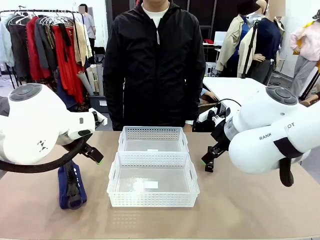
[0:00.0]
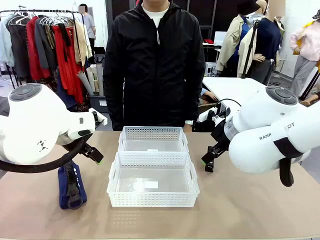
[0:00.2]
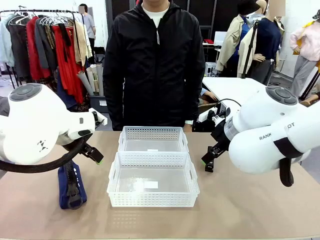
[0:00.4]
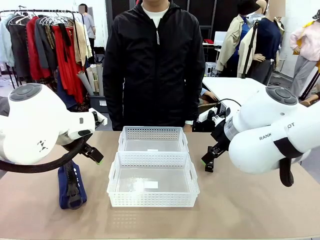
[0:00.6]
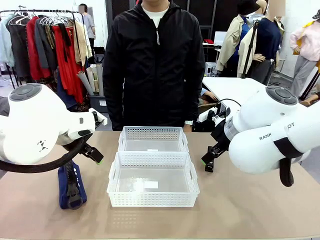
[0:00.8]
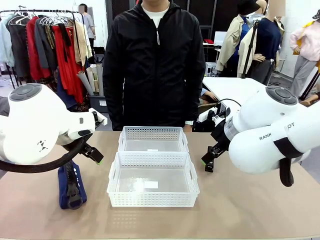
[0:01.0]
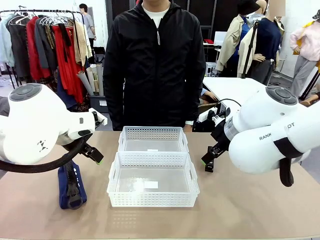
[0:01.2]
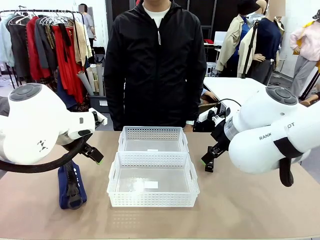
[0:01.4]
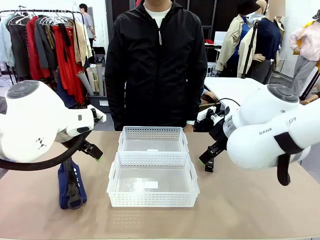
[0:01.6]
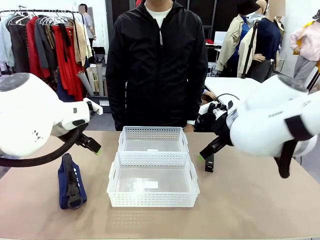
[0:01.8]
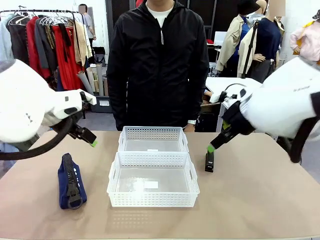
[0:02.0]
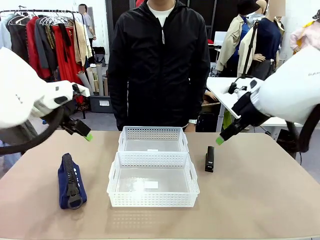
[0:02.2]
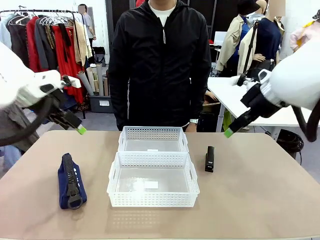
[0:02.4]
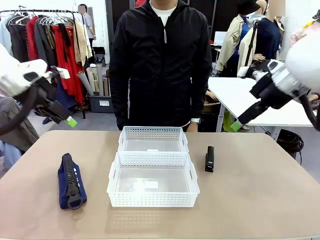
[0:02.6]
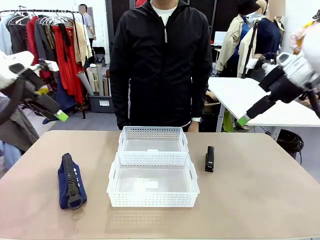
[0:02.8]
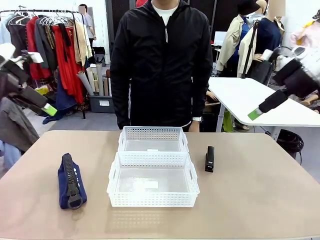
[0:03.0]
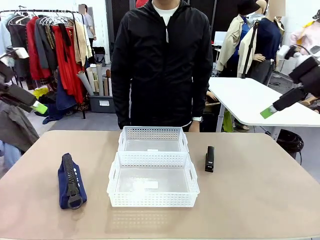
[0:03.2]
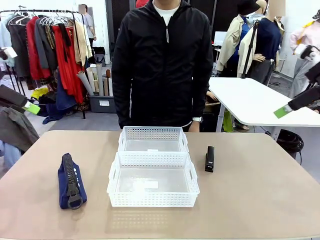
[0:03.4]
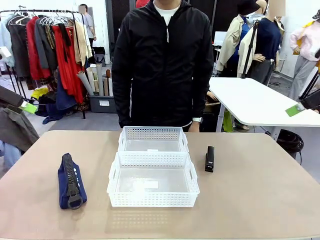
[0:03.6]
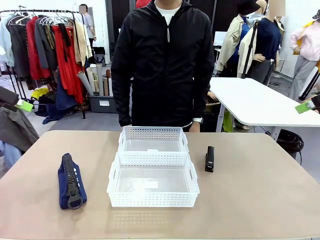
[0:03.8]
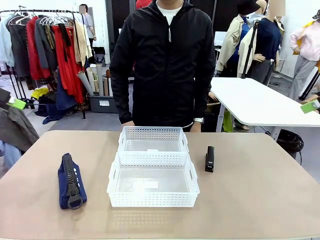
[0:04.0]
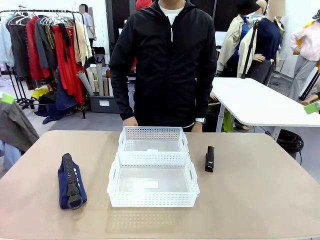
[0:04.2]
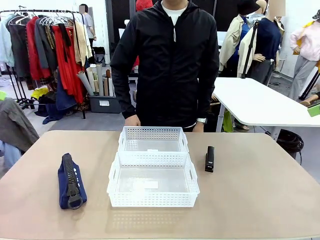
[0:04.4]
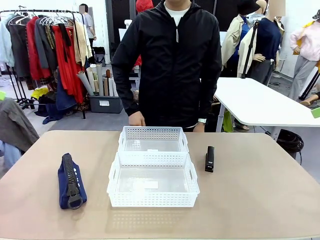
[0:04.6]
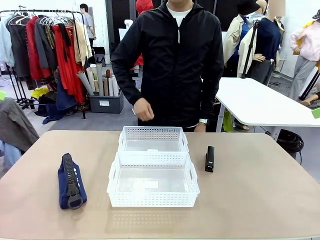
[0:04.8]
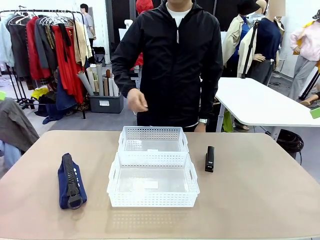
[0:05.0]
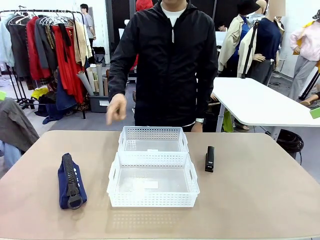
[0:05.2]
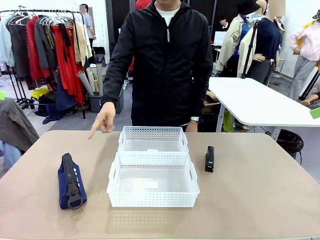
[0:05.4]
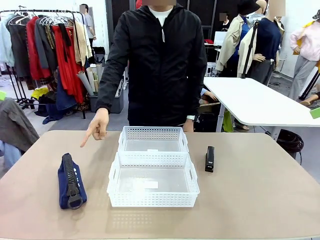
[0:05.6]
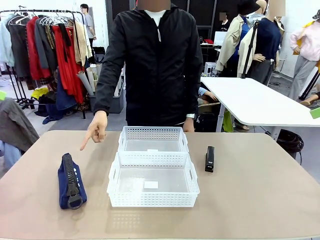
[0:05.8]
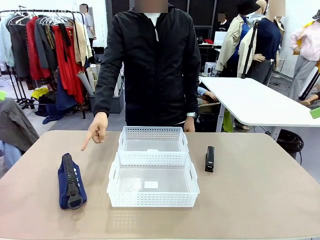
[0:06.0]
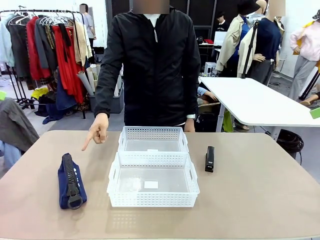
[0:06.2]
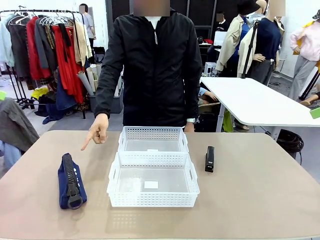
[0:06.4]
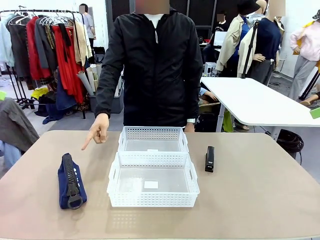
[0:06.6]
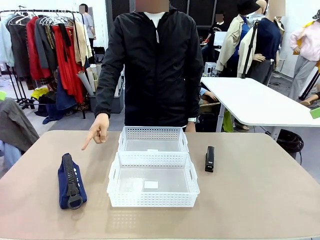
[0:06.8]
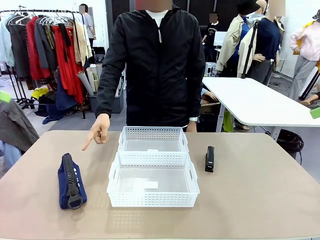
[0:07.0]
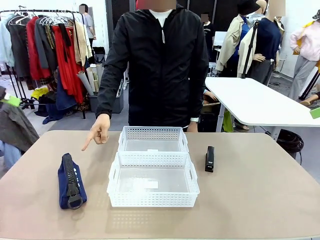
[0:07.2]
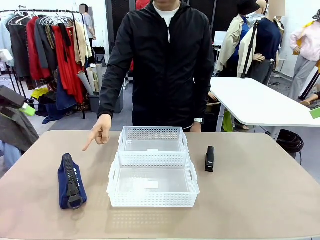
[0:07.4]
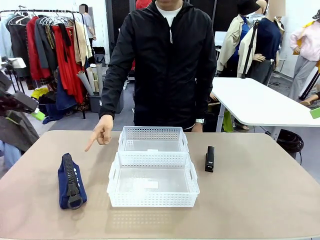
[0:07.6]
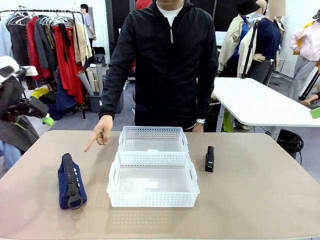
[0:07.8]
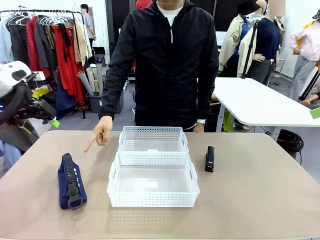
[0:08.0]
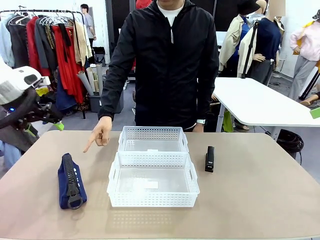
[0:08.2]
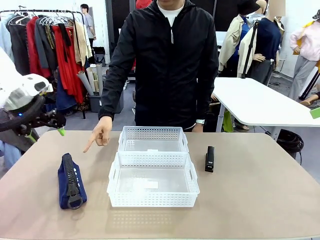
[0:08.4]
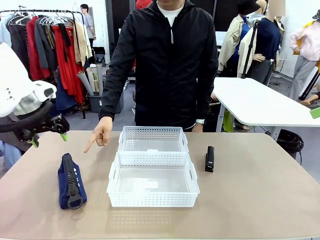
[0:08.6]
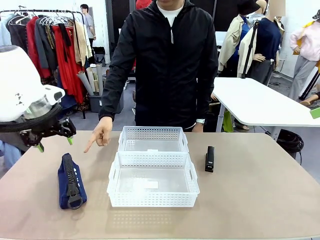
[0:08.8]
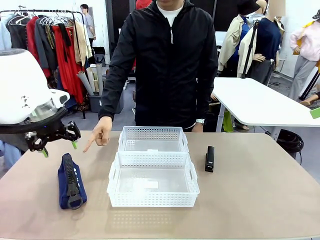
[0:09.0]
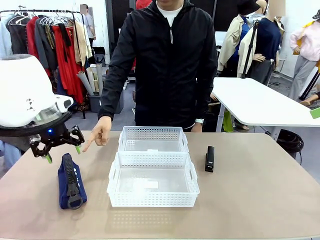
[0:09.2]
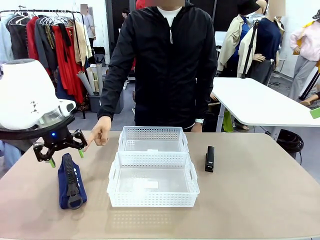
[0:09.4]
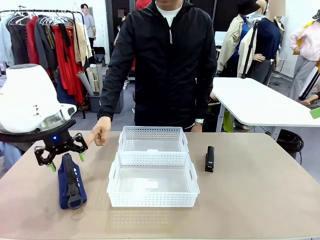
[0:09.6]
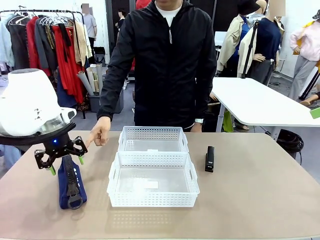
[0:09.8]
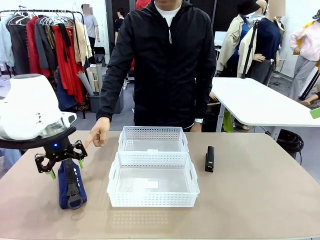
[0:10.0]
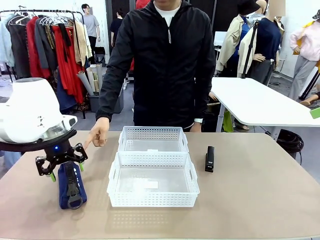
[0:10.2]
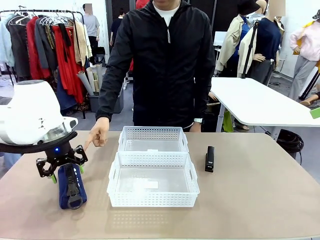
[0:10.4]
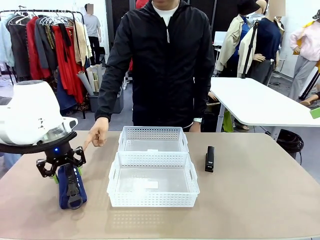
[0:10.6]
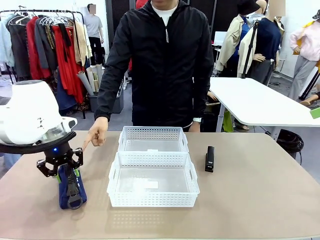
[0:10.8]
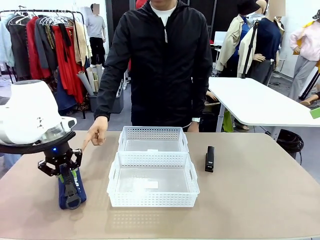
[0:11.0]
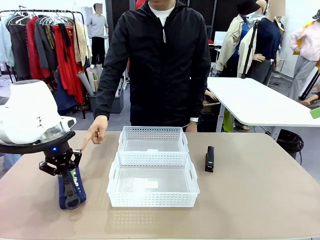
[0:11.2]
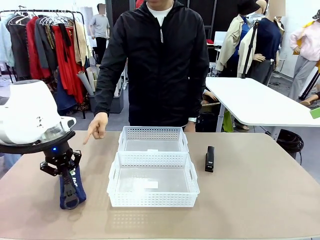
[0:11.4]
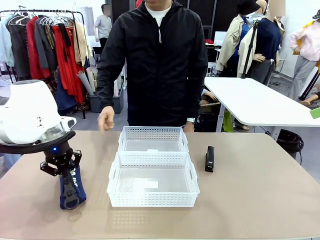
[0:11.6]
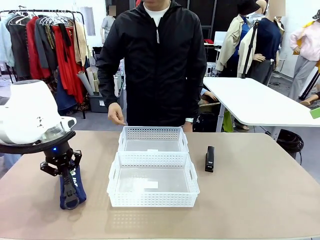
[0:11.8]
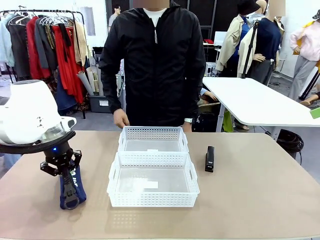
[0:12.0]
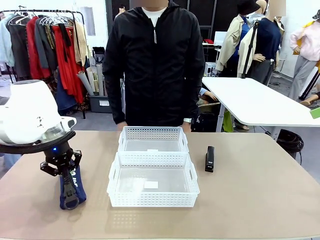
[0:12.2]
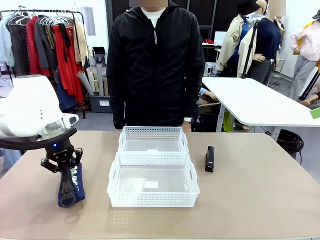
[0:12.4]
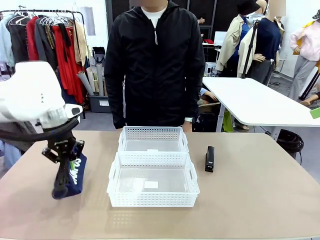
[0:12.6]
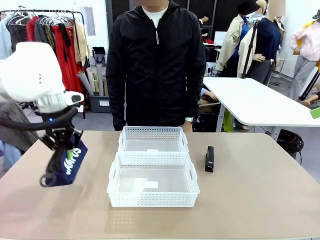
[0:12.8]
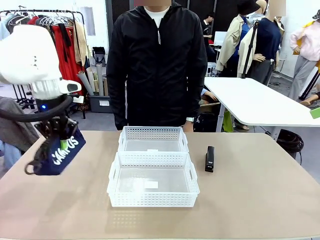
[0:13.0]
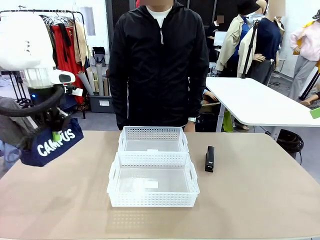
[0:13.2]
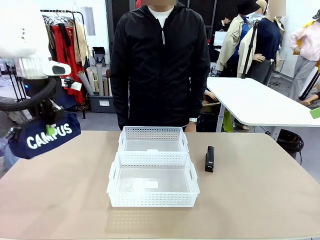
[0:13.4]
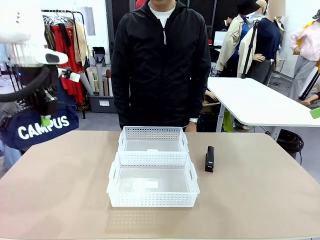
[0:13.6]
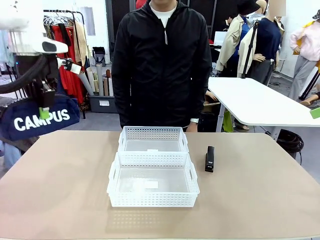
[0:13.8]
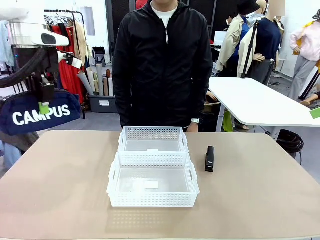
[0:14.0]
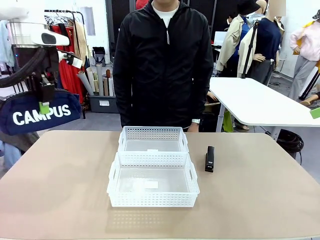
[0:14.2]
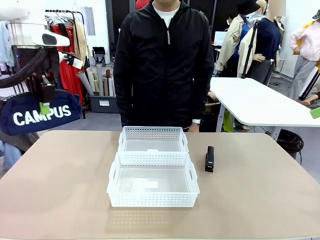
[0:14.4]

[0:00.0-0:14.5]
Task: Distribute items into two baskets.
Robot: Pick up the Pencil pouch that the person points to.
Person: Points to the pencil case. Points between the two organizing baskets and instructs the robot to move the pencil case.

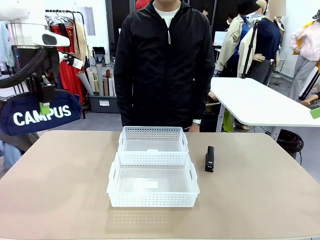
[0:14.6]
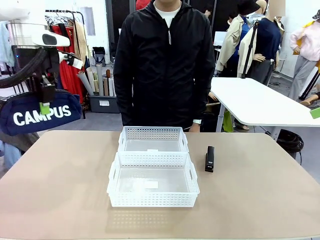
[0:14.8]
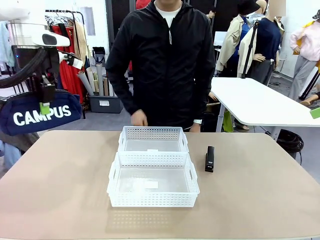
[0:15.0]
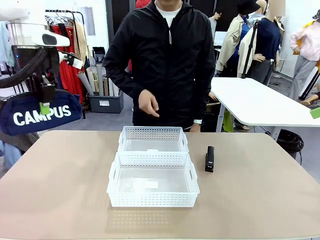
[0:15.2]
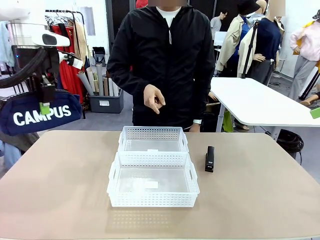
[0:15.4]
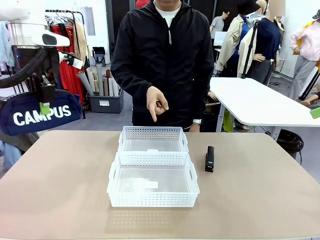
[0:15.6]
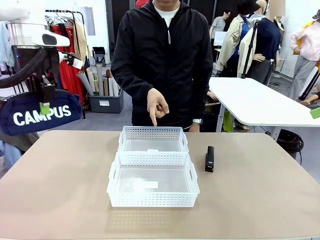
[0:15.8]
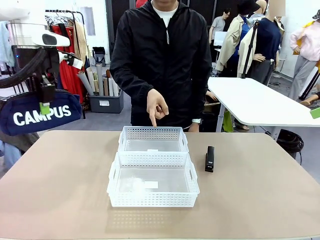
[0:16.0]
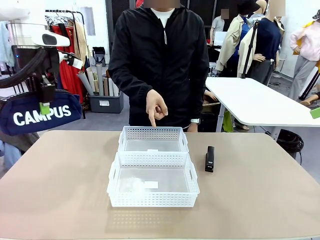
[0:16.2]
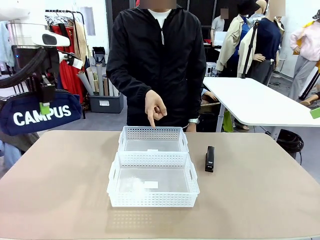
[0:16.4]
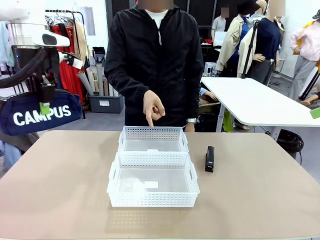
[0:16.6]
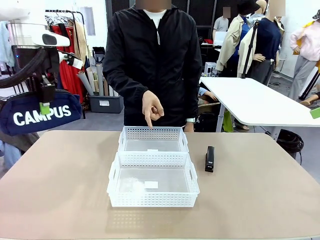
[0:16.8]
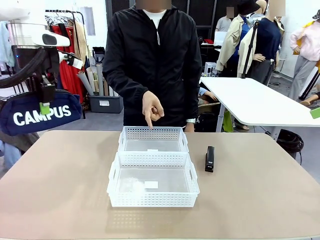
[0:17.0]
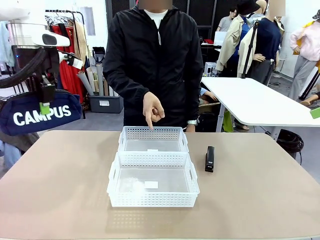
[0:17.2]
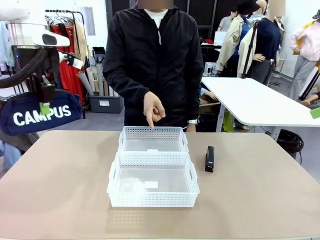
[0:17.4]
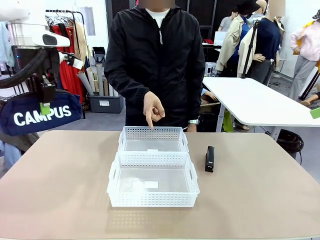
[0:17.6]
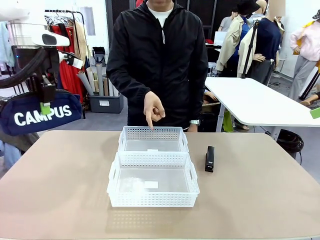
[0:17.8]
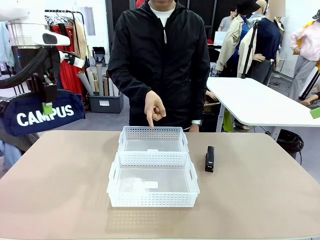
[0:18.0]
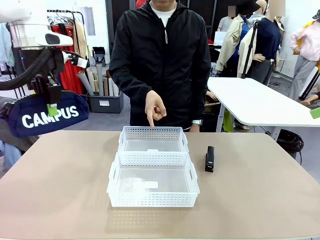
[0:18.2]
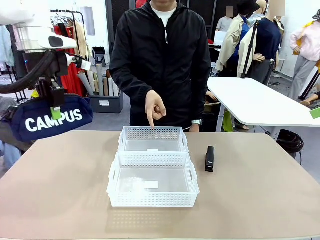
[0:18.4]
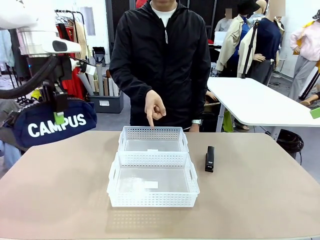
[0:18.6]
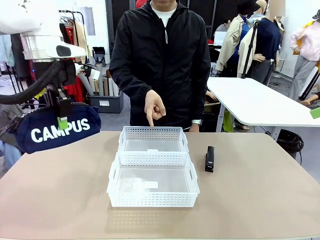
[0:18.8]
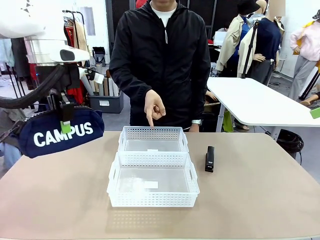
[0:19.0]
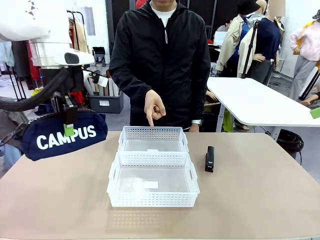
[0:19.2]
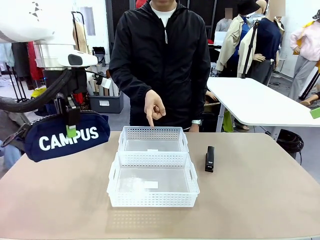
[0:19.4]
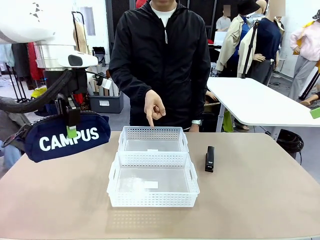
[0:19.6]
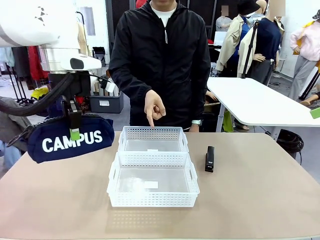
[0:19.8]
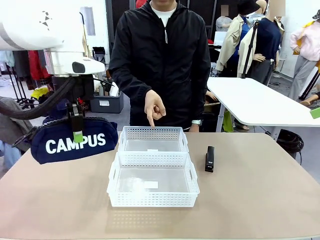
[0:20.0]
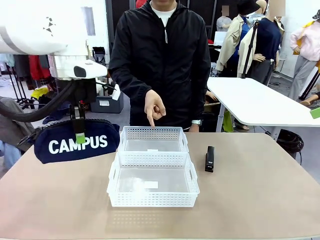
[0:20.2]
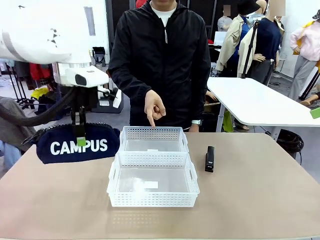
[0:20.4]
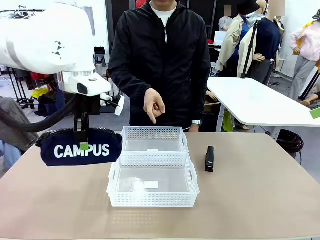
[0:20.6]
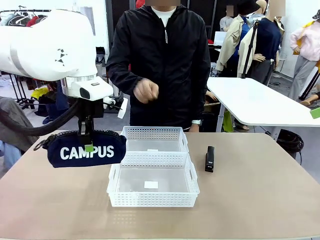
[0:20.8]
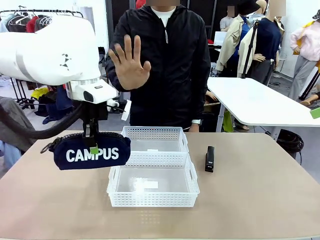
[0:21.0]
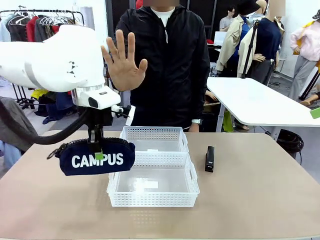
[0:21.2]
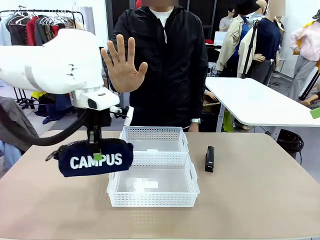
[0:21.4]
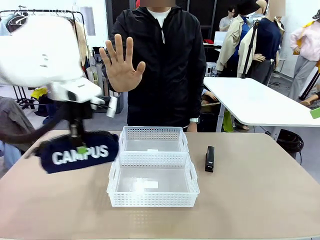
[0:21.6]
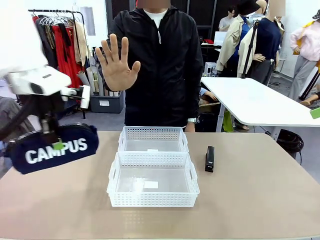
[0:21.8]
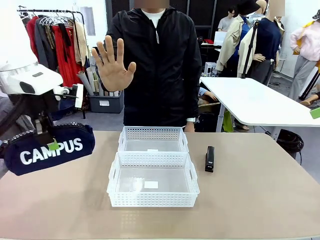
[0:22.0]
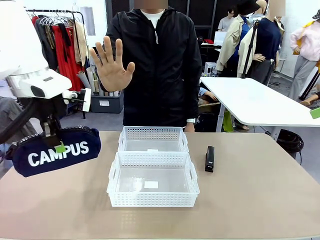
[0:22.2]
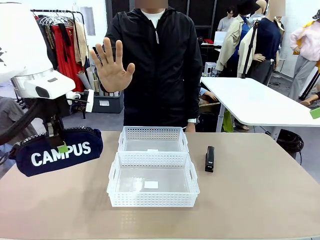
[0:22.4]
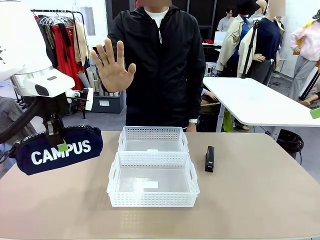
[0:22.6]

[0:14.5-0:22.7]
Robot: Move the picked Pencil pouch towards the Organizing basket indicated by the person, stopping as directed.
Person: Sends a stop gesture before the robot places the pencil case into the basket.
